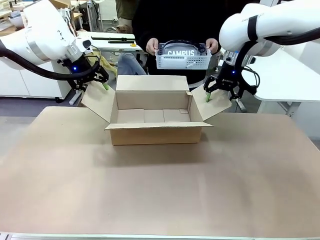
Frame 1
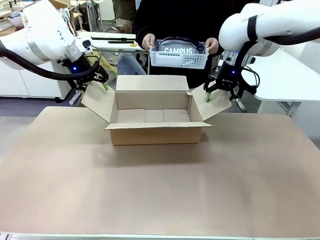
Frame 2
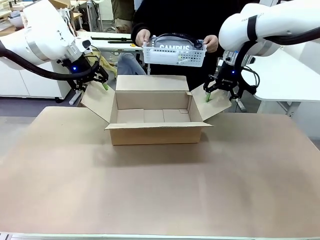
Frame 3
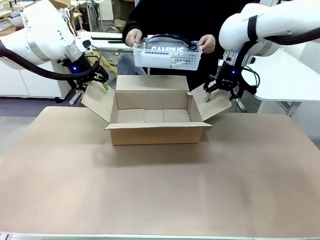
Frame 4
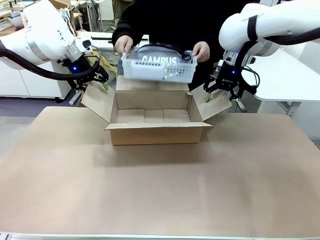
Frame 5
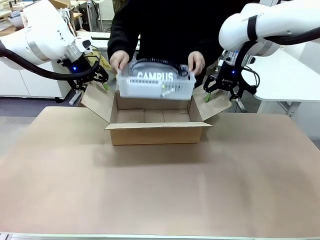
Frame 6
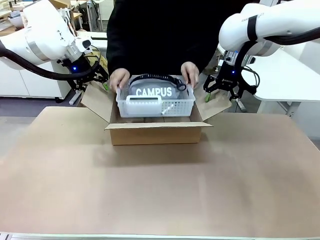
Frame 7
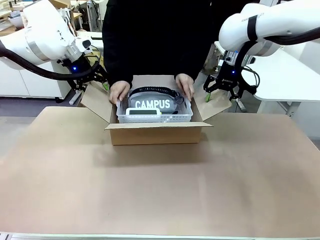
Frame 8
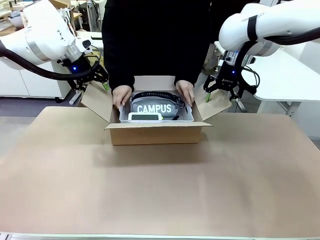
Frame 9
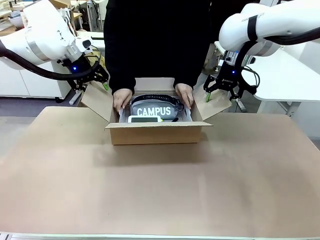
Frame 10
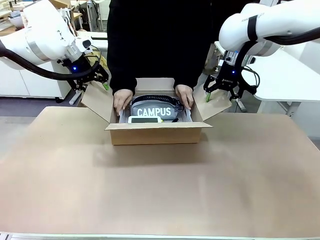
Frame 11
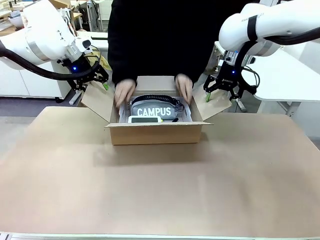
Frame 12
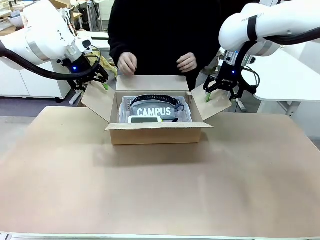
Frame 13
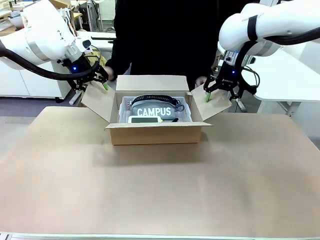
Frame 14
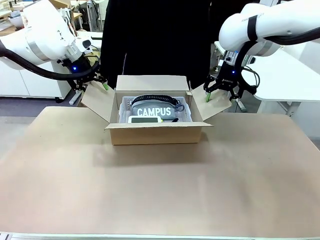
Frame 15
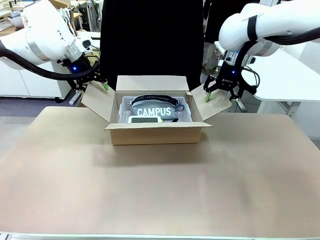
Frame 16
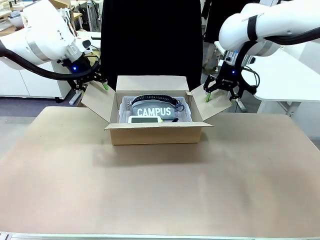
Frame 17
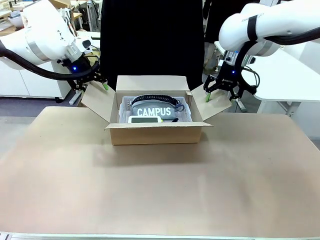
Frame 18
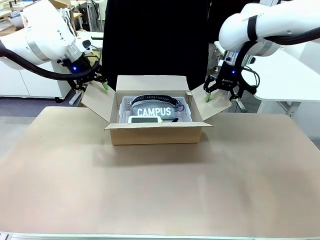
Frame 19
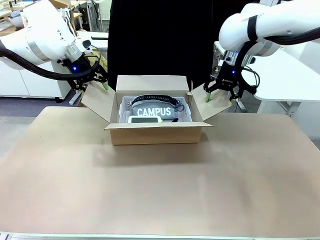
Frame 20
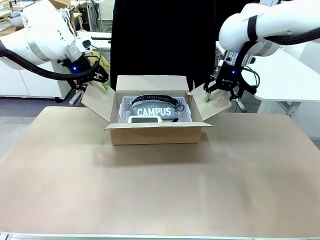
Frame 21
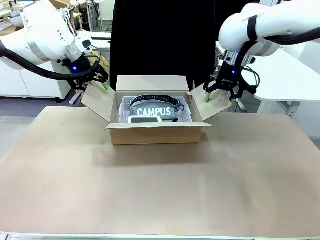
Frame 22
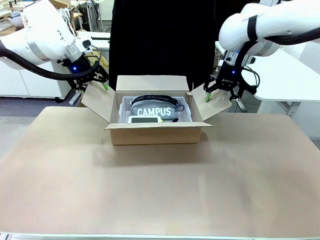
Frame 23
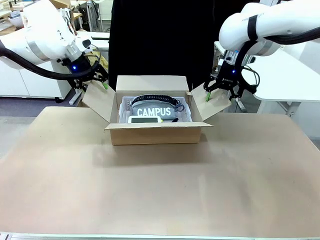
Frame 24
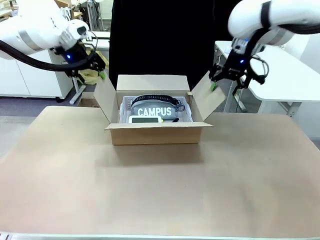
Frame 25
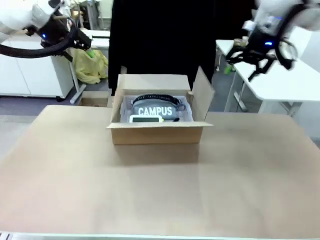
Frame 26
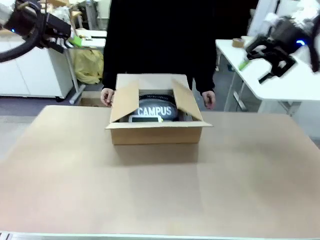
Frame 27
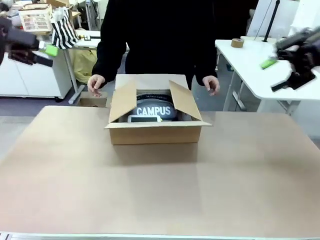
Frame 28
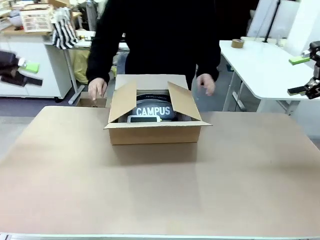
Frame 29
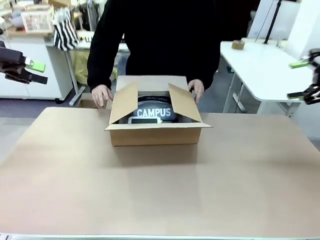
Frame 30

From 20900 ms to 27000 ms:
Task: Pack the gift set into the box.
Robot: Lift both hands away from the flaps of the Package Box.

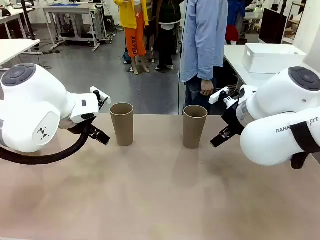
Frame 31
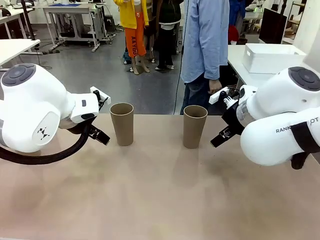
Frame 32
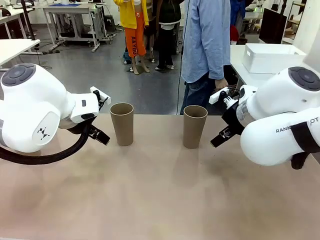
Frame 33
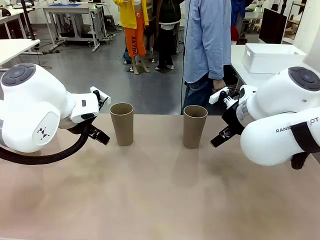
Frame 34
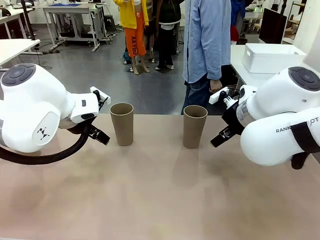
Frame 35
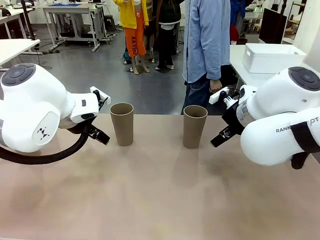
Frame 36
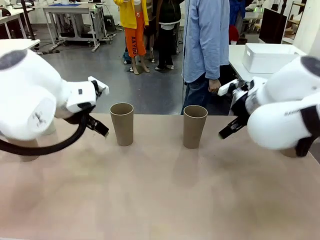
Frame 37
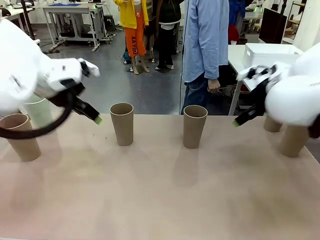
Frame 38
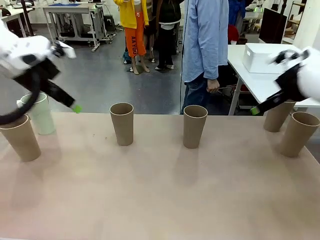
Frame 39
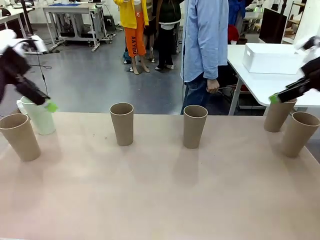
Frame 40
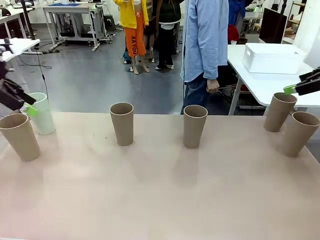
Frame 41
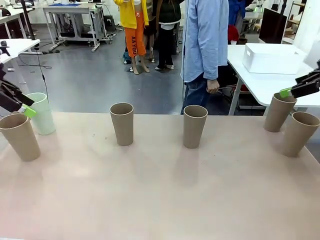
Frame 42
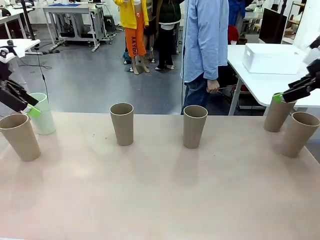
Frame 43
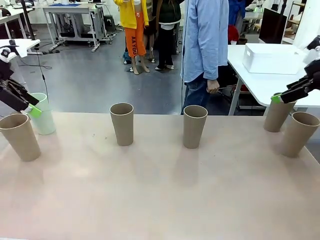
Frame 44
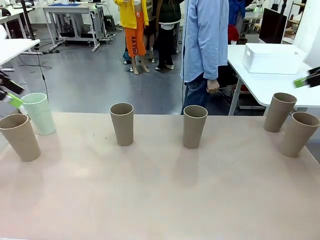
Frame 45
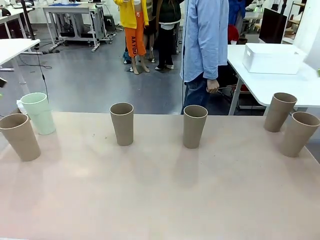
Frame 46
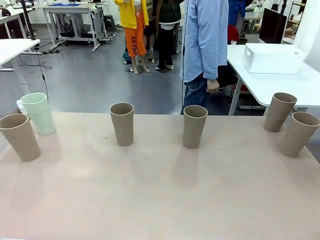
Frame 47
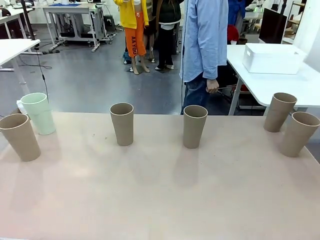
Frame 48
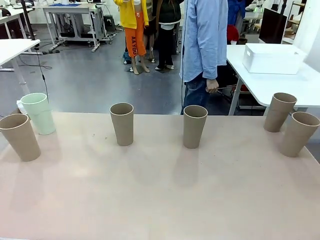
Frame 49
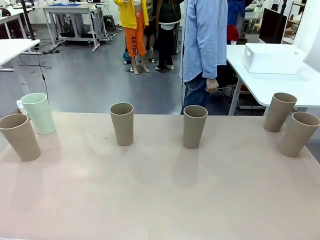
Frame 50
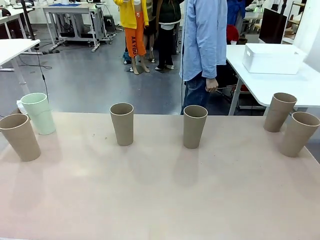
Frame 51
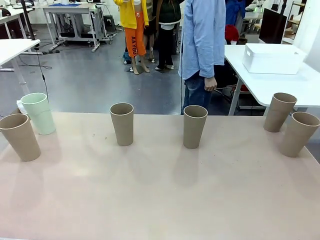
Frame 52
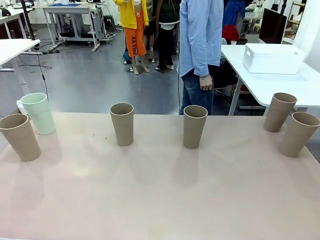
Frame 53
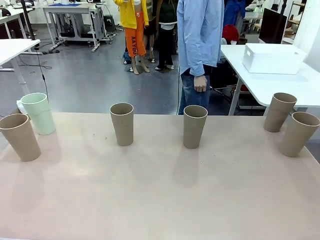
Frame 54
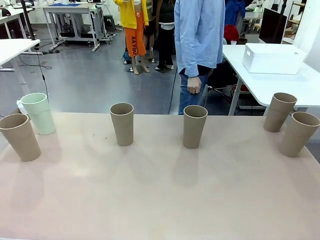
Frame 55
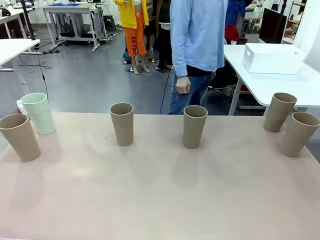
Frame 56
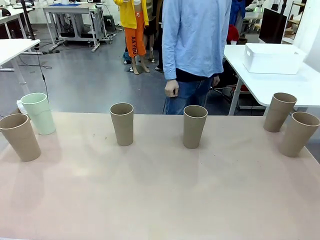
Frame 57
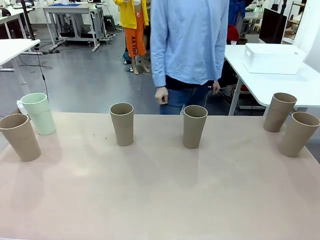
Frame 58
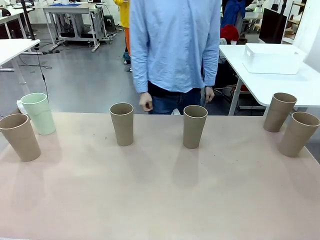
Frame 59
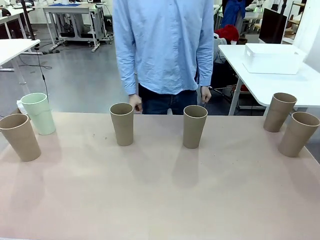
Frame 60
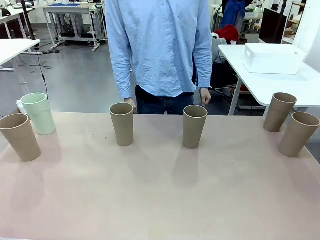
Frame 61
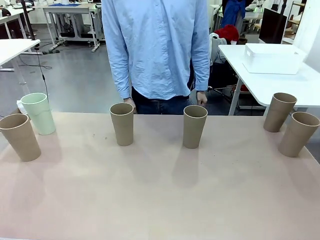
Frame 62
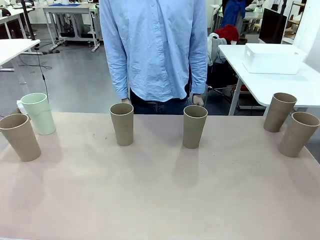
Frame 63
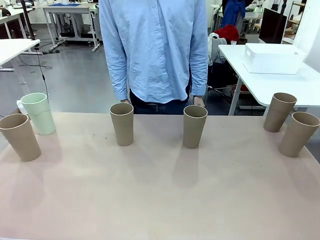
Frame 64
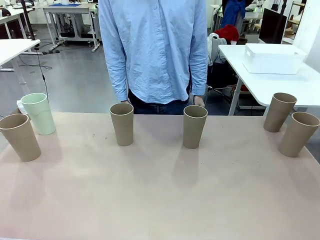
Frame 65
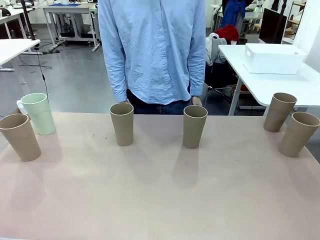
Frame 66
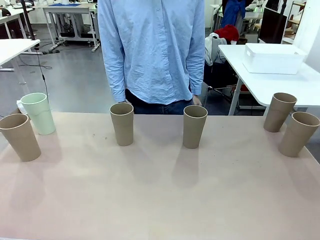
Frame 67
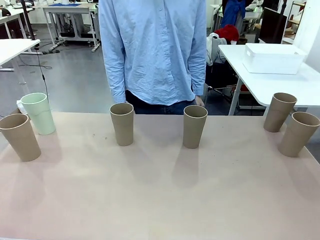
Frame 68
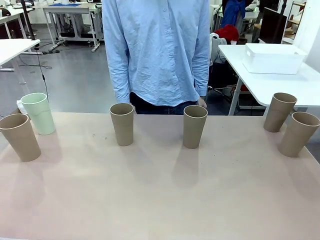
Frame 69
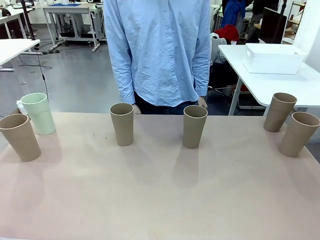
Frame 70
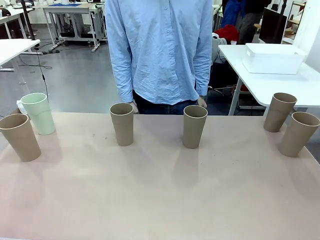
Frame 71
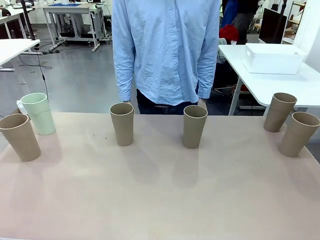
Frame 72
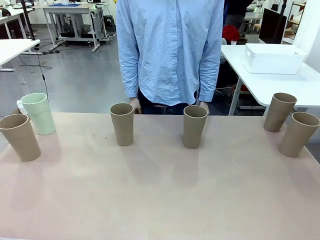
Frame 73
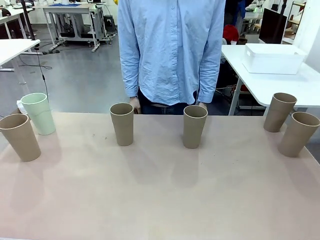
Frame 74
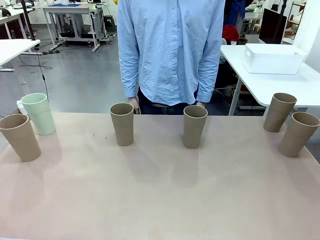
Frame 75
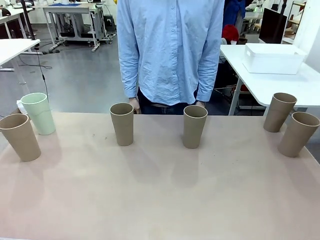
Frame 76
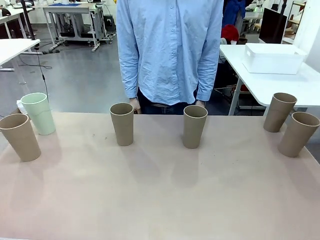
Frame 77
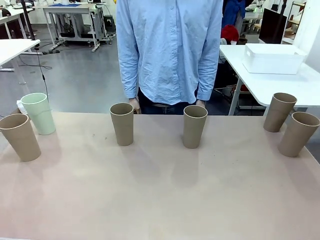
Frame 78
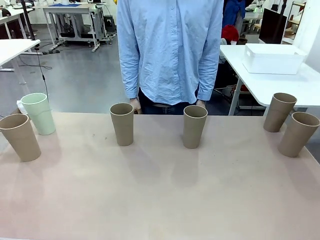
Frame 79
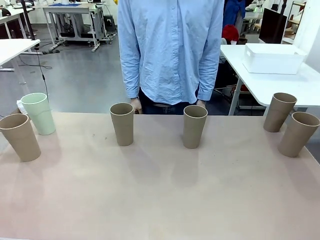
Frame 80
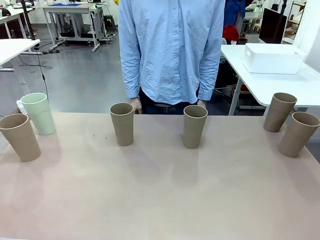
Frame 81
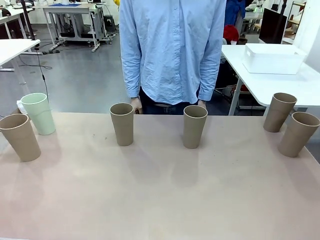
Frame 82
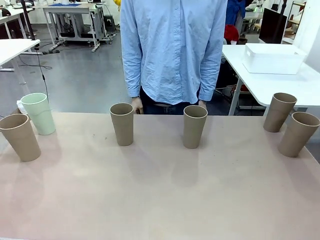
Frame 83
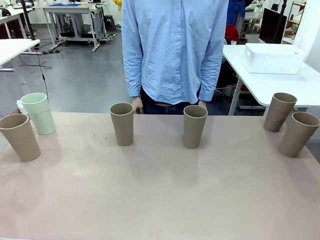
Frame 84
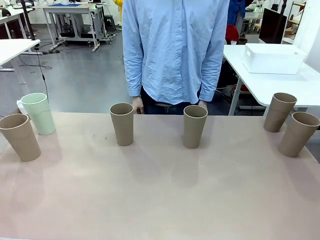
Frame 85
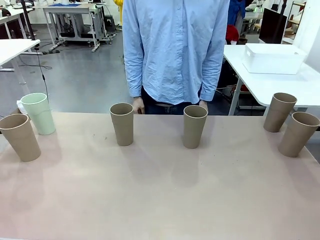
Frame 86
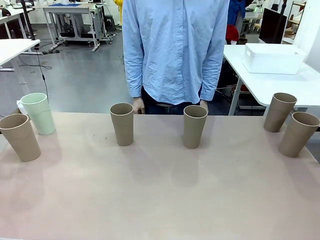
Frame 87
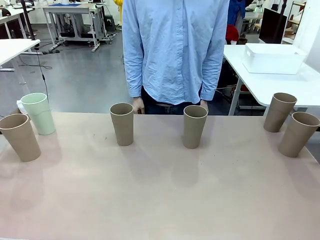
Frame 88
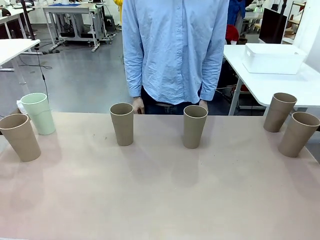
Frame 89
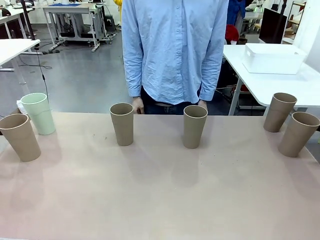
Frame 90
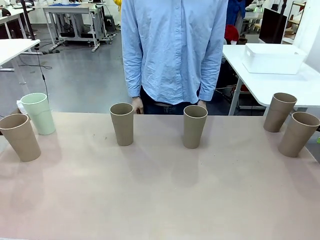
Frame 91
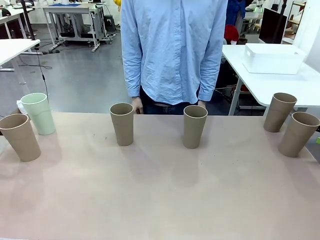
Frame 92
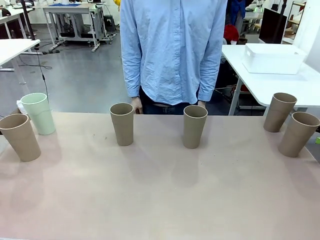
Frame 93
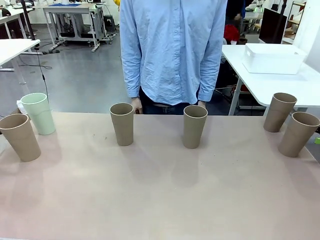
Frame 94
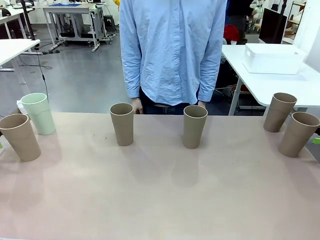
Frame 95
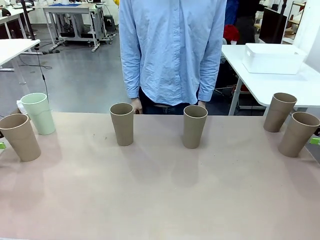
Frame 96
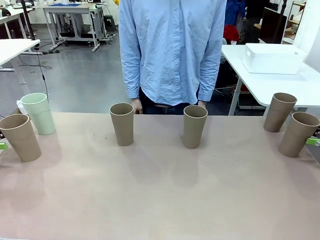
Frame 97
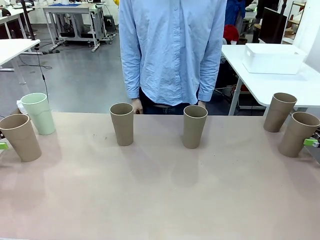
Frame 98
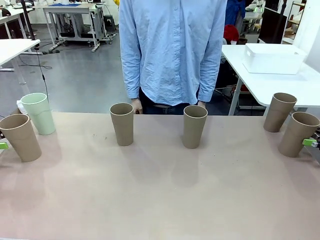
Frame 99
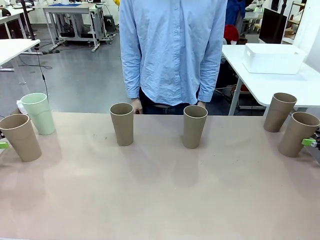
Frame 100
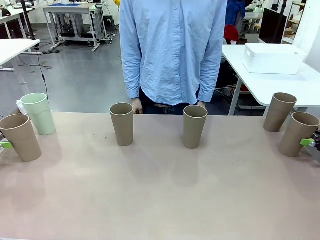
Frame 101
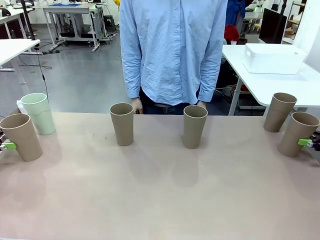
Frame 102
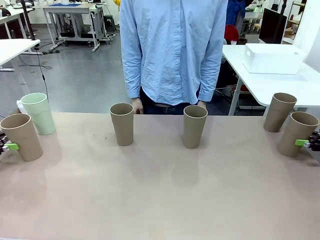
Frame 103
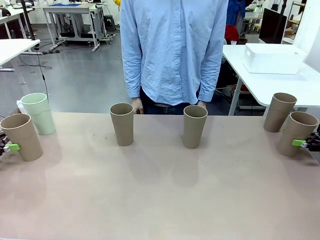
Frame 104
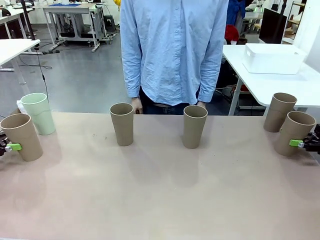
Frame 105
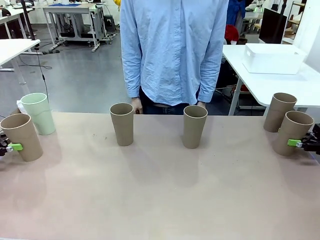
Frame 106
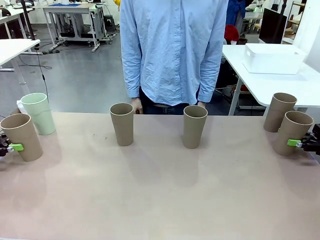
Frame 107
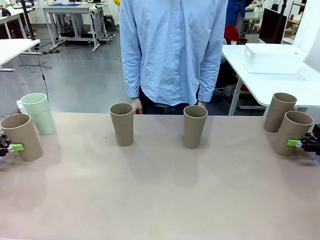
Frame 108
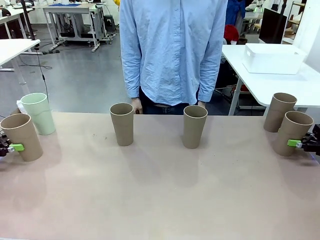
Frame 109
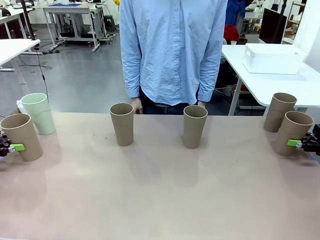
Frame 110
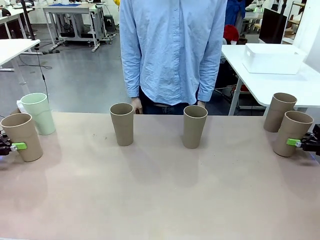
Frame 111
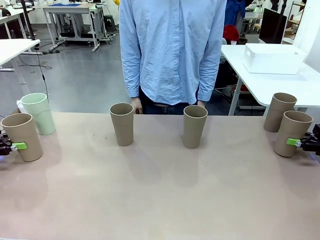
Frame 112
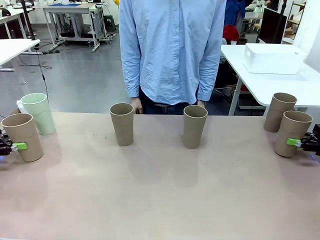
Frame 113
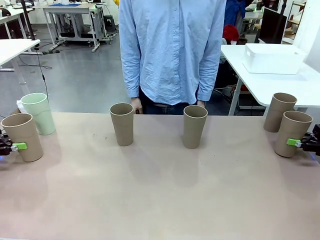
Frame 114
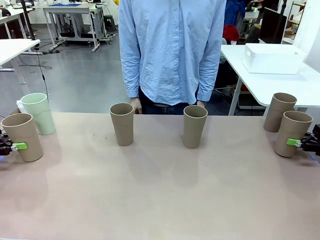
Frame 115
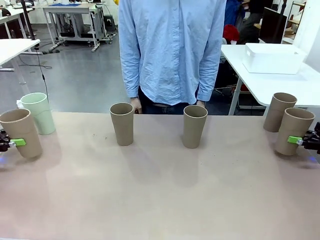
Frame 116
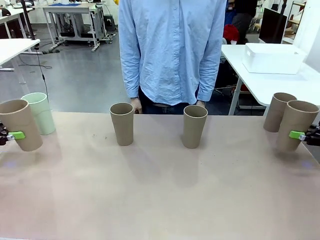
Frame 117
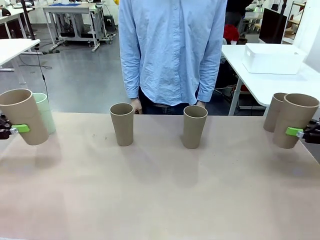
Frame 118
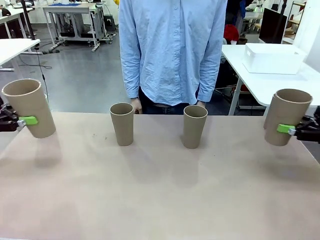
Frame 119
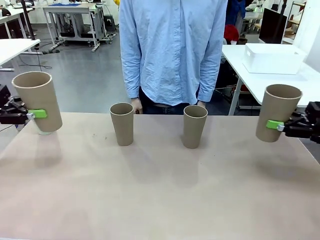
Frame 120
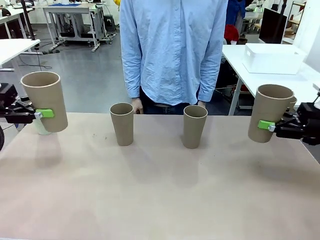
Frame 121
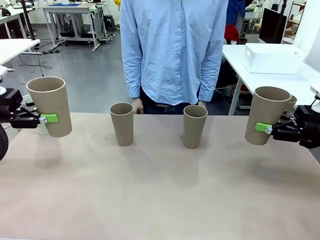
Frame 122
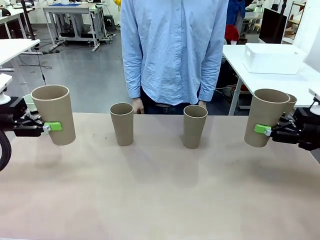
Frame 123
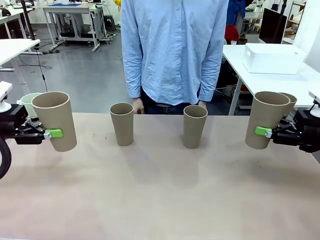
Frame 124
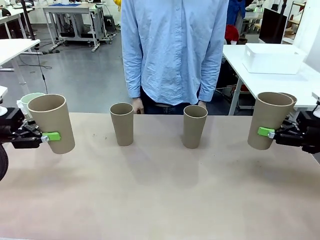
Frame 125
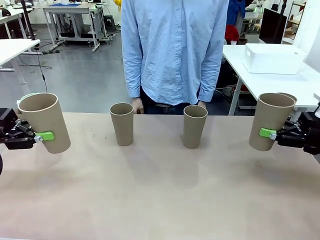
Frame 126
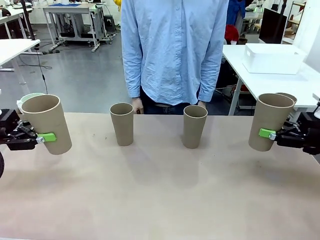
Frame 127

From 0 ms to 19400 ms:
Task: Stack the cups and store them in the basket.
Robot: Pick up two Reusable plastic cups , one in each hand.
Person: Move from the Human Table to the front of the Robot Table. Stack two of the remaining cups on top of each cup held by the robot.
